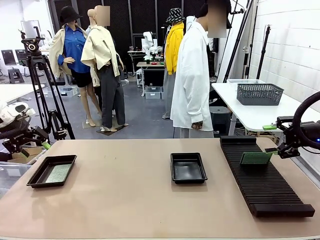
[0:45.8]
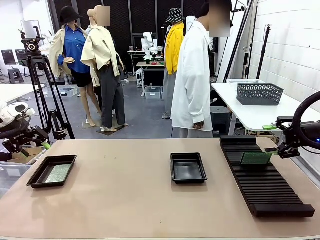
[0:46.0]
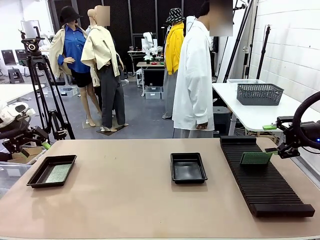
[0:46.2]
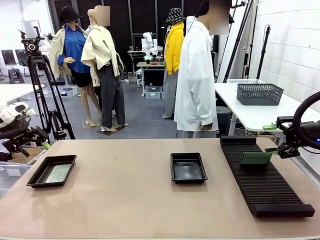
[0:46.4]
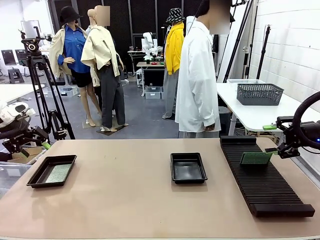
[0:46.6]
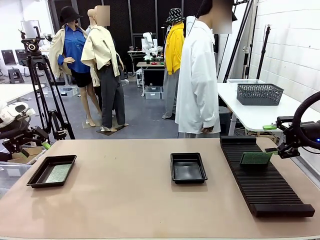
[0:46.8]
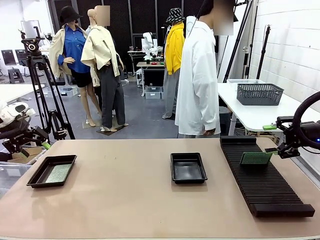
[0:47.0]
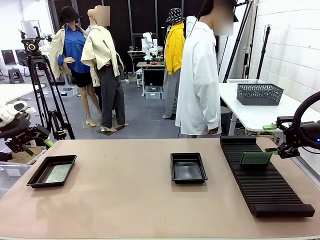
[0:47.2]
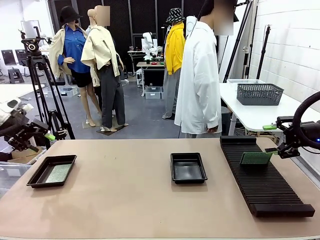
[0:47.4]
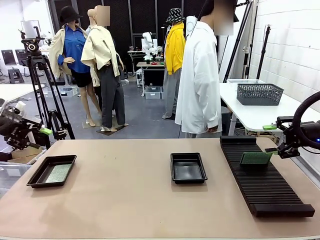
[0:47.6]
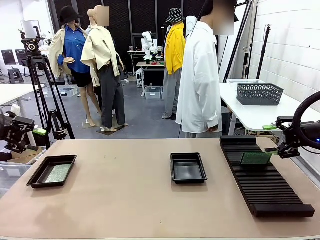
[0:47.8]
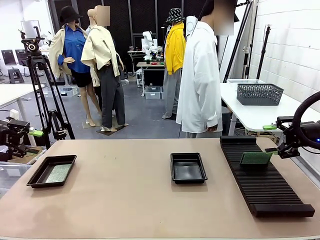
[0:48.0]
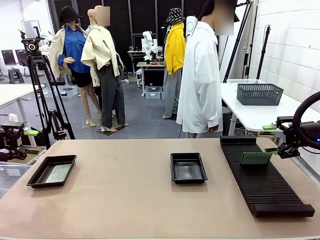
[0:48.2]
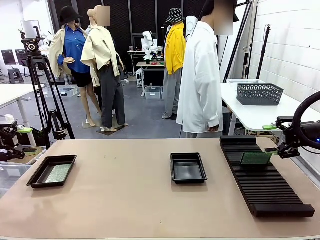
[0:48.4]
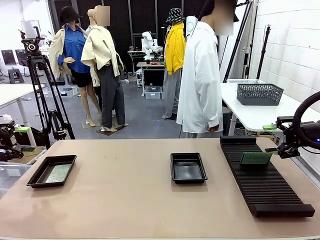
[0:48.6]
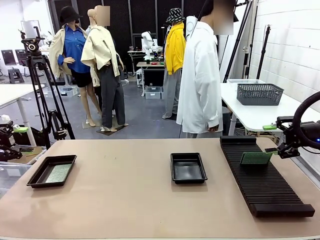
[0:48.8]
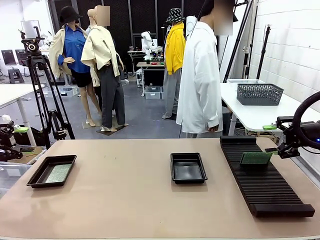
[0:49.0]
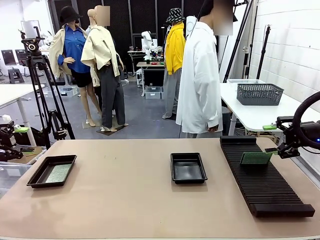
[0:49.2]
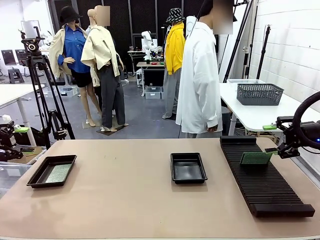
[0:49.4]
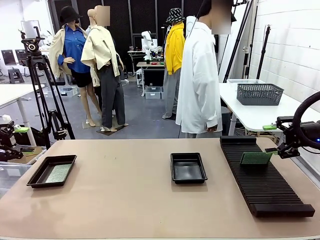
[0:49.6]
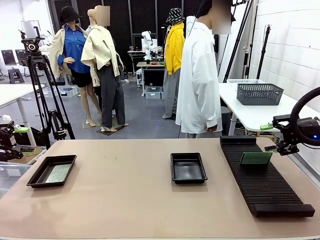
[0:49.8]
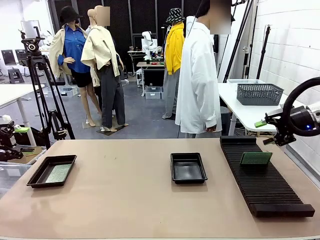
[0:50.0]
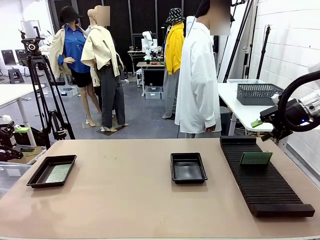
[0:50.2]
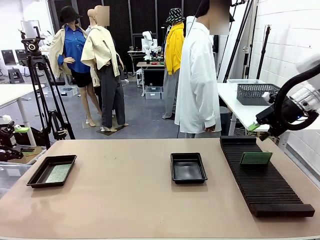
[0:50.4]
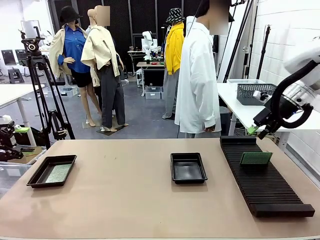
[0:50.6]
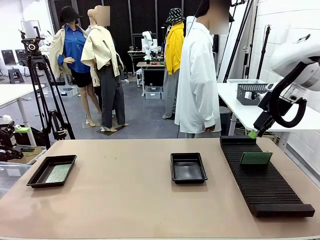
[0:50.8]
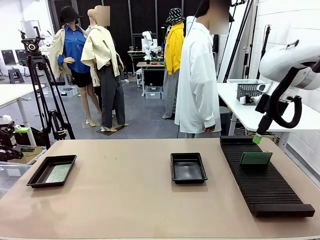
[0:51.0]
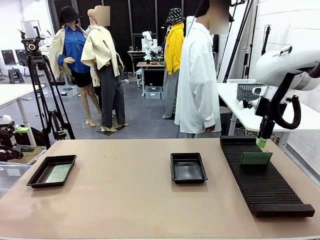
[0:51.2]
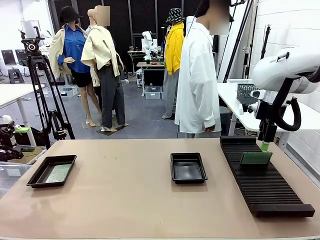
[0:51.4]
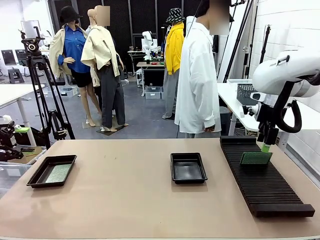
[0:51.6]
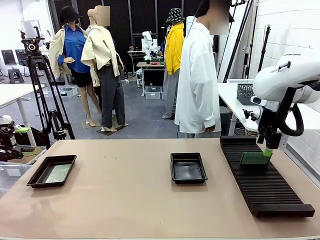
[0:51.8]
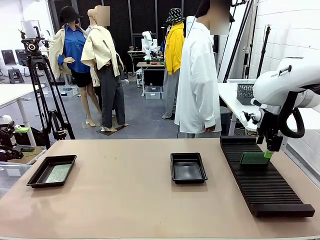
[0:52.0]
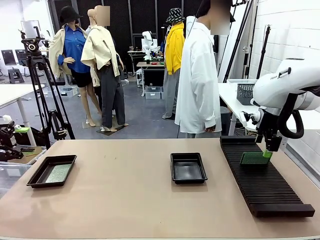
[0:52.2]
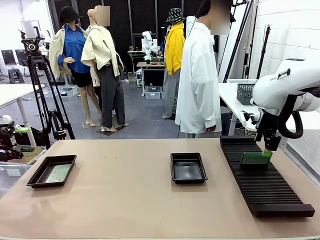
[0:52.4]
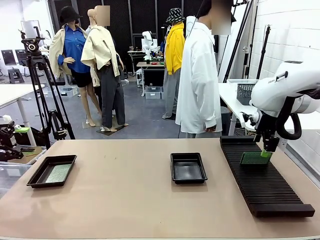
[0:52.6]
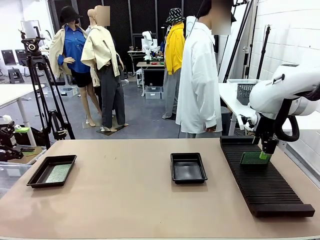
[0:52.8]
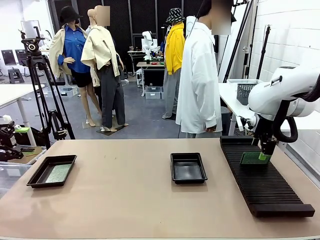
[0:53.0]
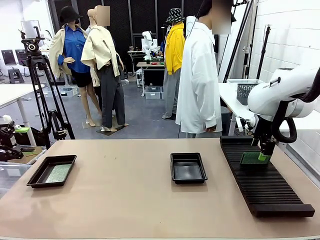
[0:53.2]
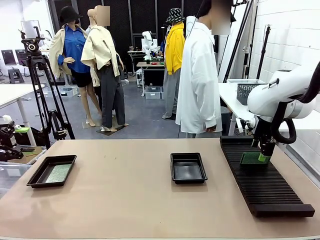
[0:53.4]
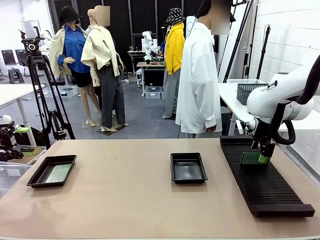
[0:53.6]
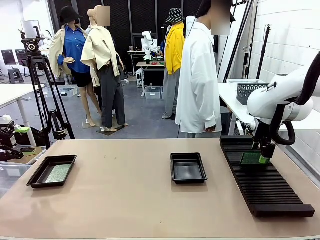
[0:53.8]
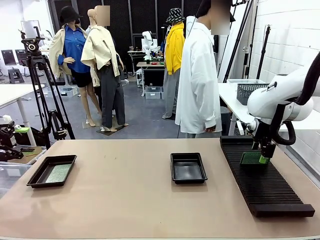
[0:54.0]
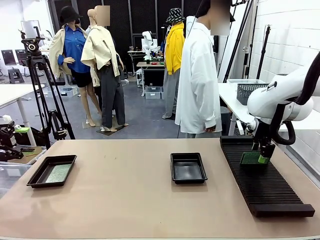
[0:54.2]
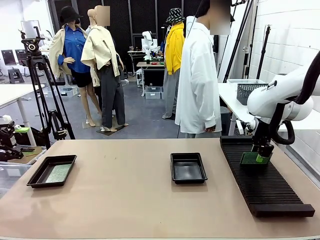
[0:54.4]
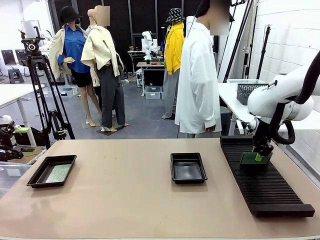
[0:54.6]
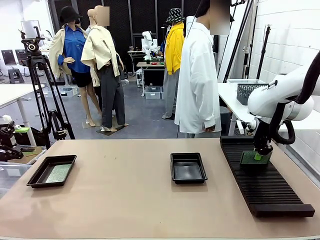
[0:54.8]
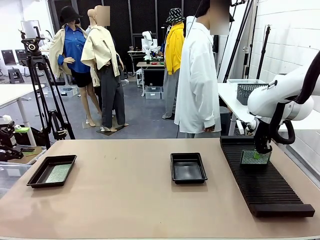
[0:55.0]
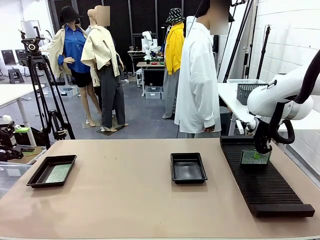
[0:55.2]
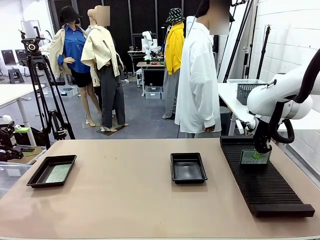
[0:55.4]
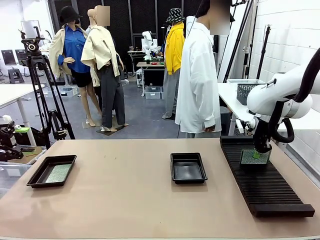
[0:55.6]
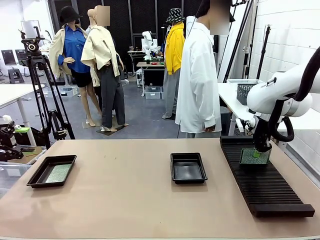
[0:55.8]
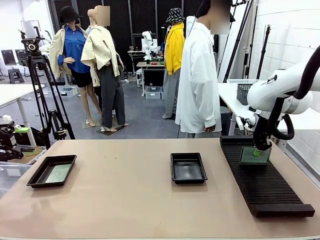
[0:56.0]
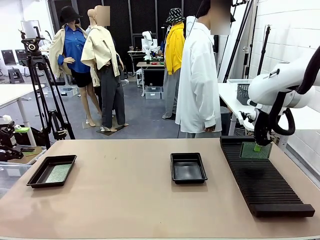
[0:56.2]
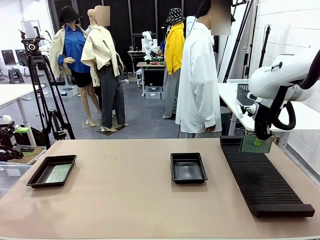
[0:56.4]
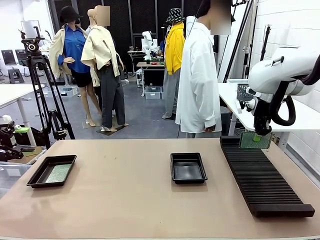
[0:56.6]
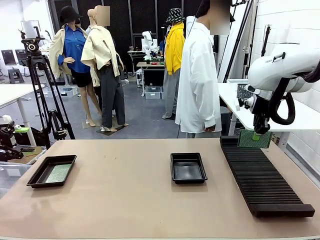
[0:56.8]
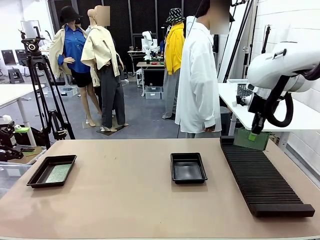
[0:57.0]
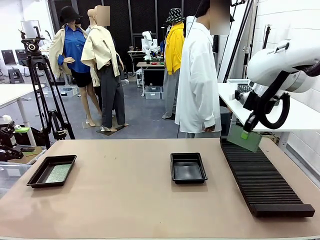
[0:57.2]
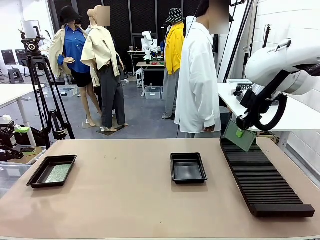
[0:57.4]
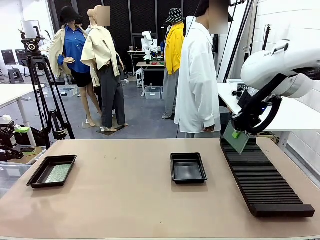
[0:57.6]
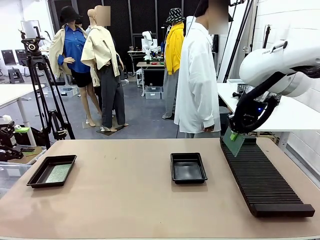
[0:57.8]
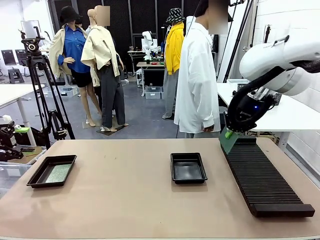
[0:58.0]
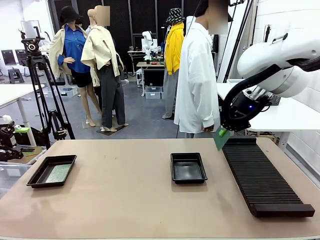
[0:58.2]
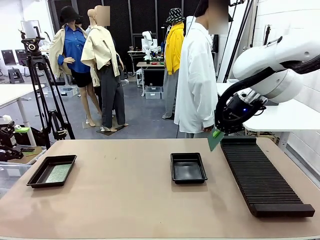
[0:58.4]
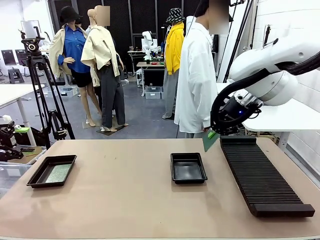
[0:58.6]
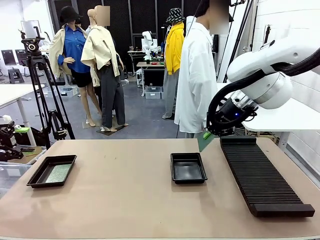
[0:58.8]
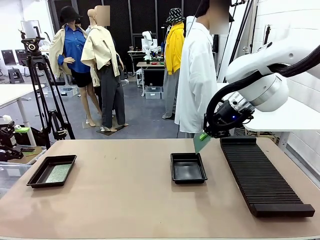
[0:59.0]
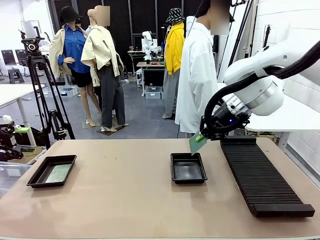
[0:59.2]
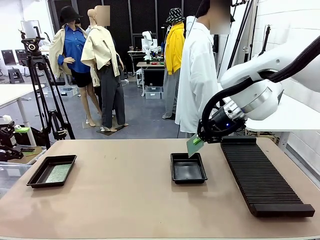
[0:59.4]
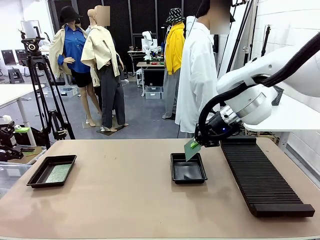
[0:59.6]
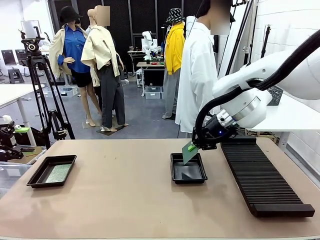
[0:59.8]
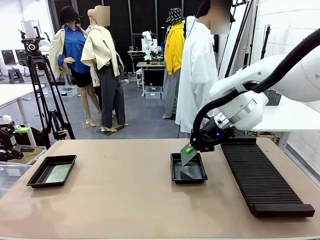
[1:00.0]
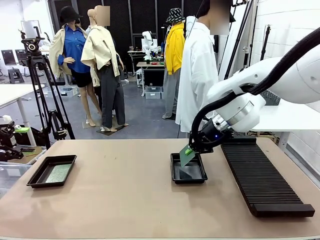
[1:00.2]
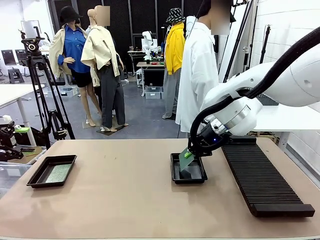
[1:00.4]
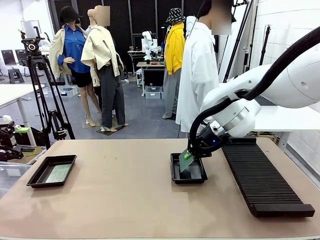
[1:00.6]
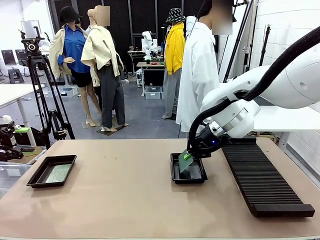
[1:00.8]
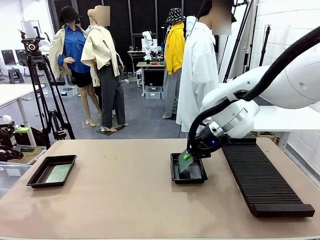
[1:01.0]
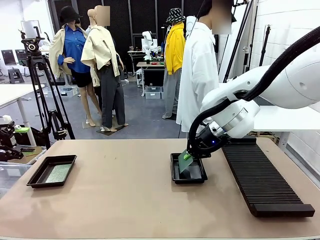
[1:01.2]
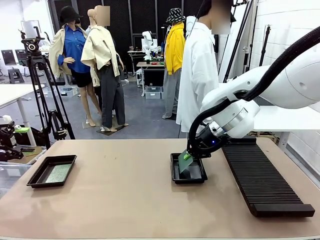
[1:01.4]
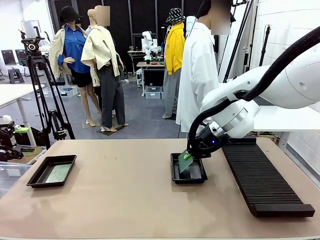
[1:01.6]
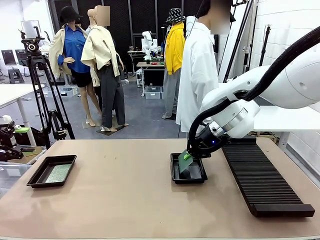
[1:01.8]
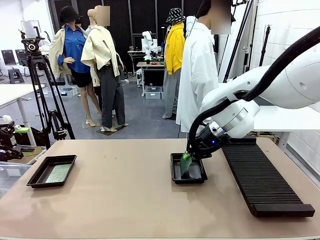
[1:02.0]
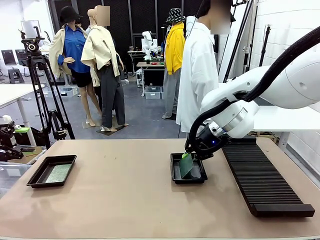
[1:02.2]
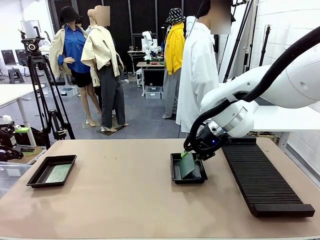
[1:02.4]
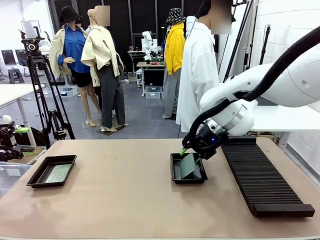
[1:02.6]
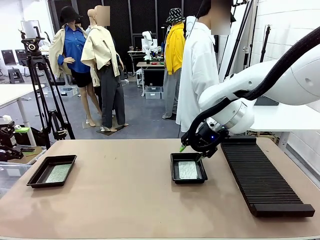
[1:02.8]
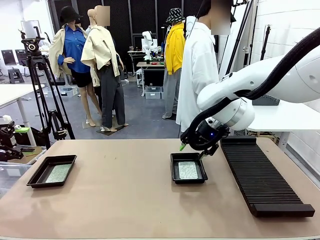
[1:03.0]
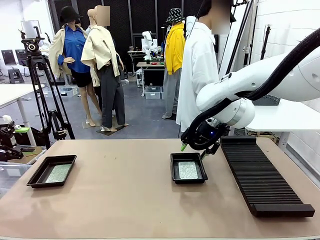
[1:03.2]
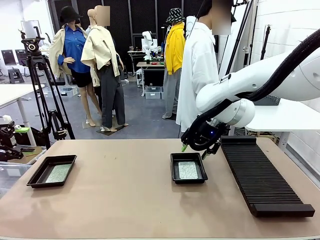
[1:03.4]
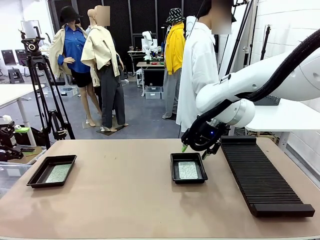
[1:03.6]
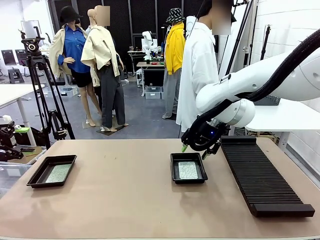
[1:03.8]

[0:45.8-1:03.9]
Task: Inspect and transfer BCBs to ESD trays.
Robot: Pick up the Blank PCB from the PCB Rack and place it in the right ESD tray.

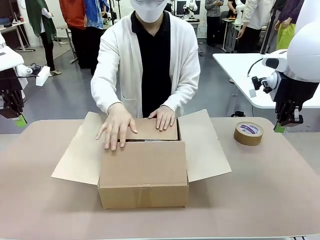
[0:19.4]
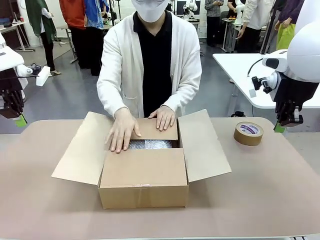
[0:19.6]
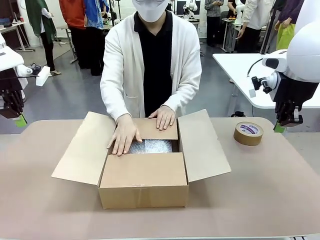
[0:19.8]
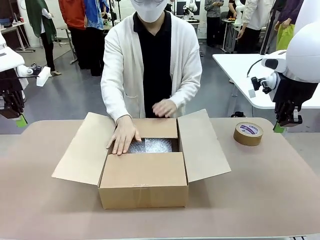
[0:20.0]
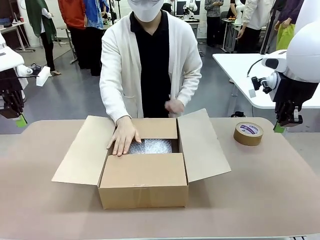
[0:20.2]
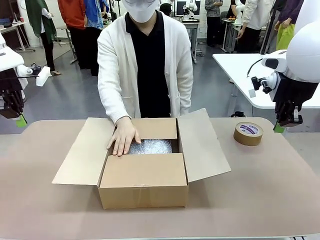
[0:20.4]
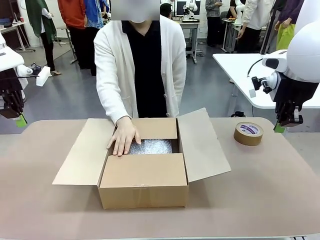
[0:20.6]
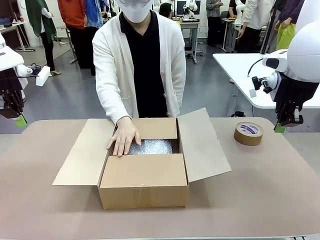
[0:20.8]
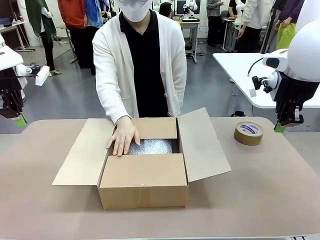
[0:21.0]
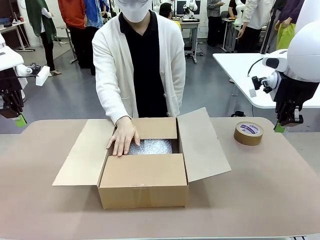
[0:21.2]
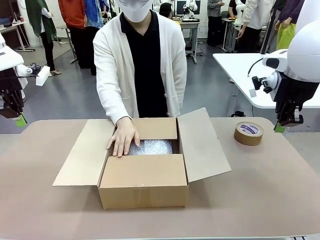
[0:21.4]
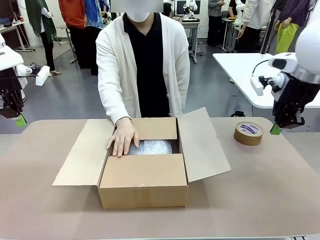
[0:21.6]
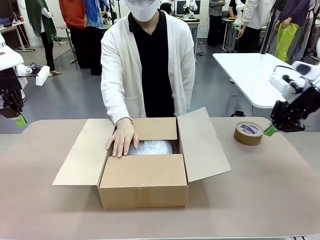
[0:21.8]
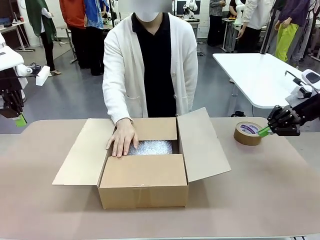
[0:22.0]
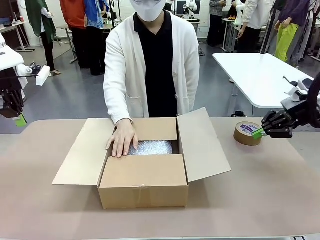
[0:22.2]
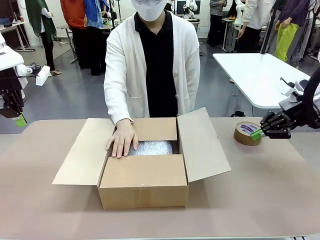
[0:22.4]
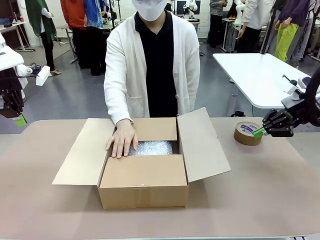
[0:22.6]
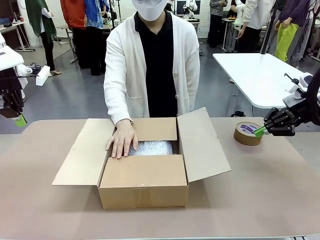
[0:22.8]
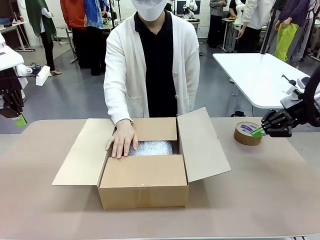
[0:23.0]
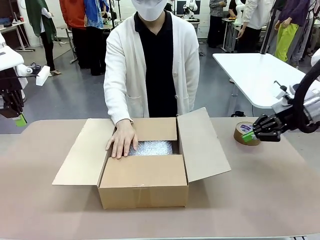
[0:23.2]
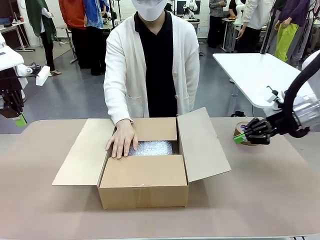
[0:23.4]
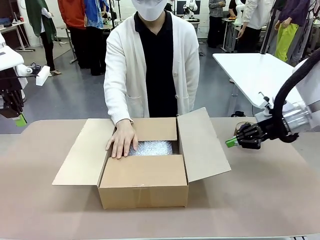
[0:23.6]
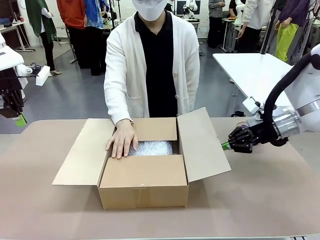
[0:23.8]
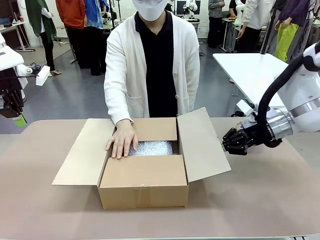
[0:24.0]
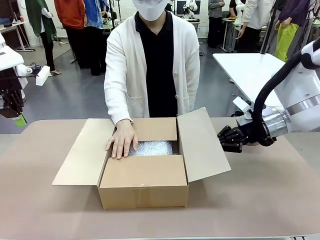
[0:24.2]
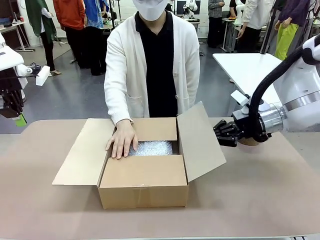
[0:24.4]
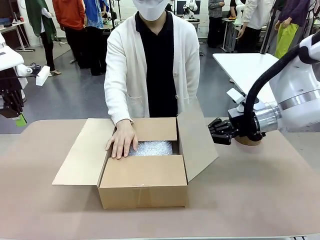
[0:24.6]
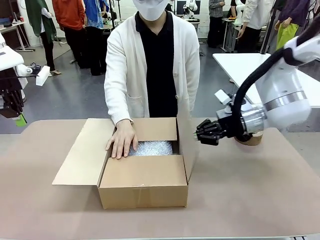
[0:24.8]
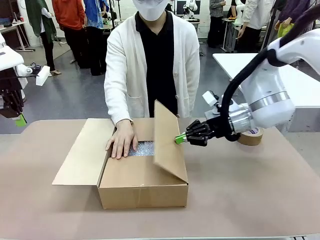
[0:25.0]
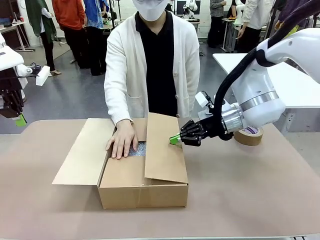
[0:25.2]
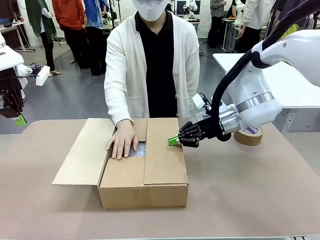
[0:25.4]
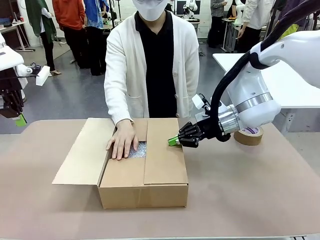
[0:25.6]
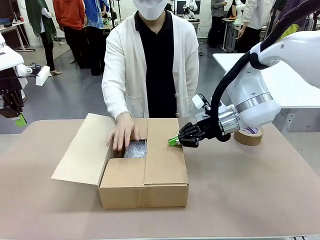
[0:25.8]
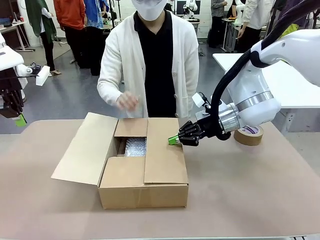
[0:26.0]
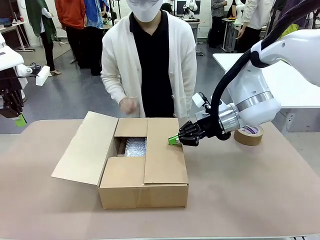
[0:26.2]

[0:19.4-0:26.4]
Task: Wrap the clocks to prevent damage.
Robot: Push the right (or left) flap of the Package Box to close it.
Person: Once the robot closes the right flap of the Package Box , release your left hand from the box.
